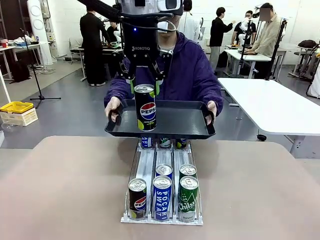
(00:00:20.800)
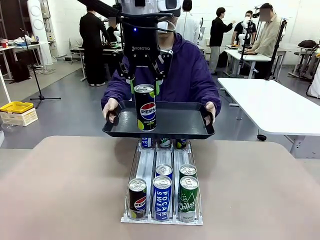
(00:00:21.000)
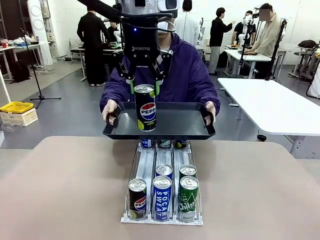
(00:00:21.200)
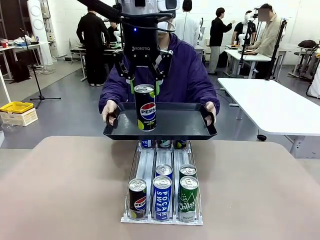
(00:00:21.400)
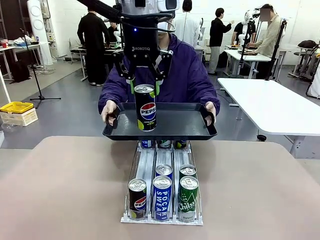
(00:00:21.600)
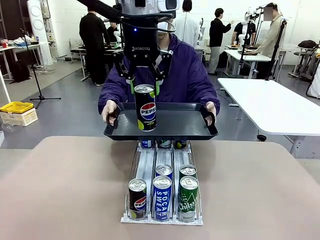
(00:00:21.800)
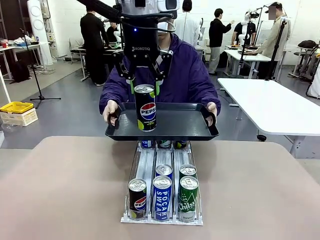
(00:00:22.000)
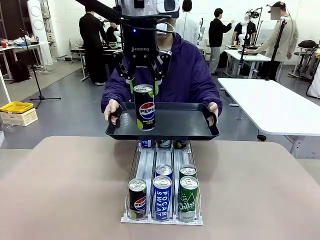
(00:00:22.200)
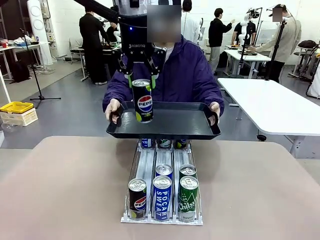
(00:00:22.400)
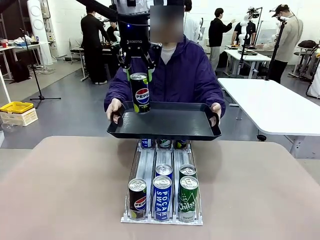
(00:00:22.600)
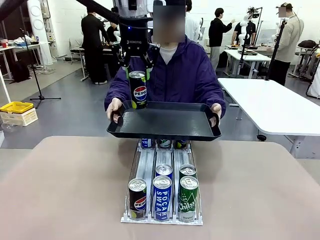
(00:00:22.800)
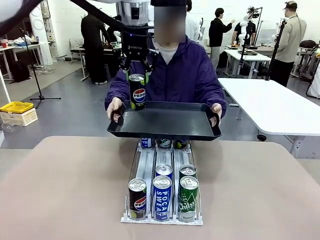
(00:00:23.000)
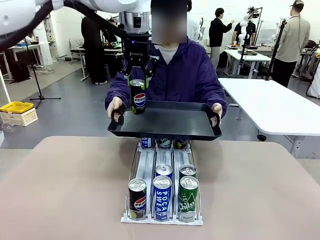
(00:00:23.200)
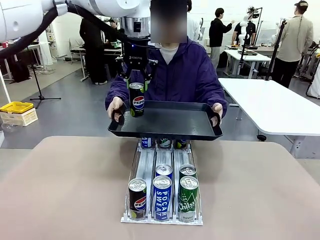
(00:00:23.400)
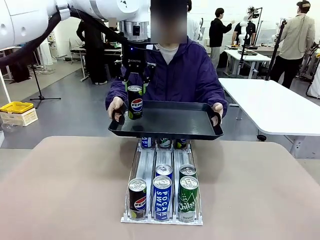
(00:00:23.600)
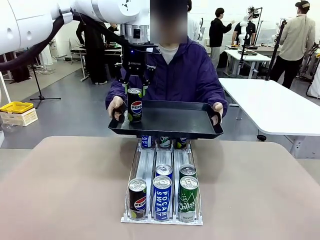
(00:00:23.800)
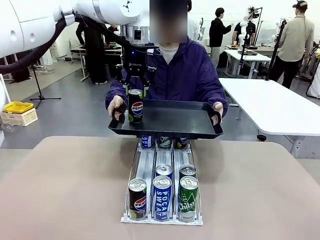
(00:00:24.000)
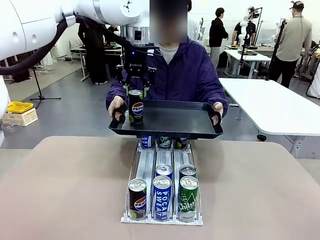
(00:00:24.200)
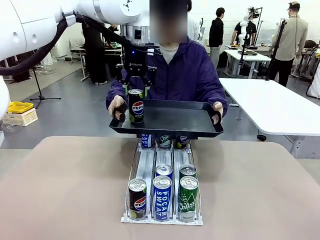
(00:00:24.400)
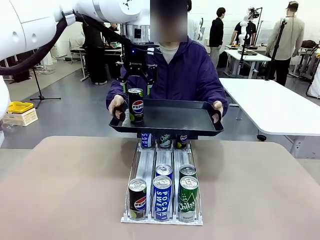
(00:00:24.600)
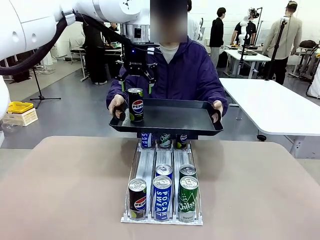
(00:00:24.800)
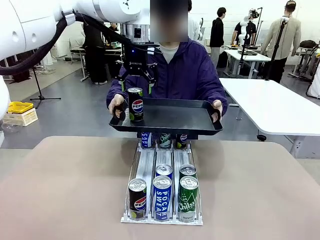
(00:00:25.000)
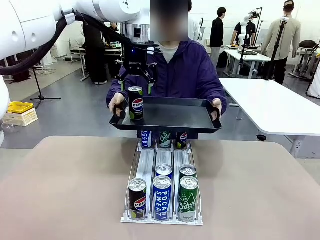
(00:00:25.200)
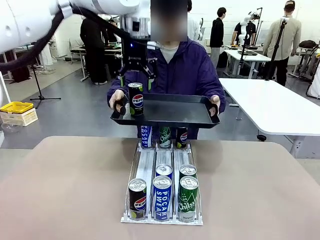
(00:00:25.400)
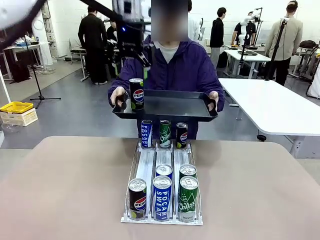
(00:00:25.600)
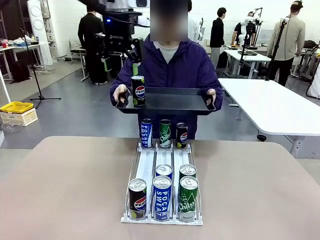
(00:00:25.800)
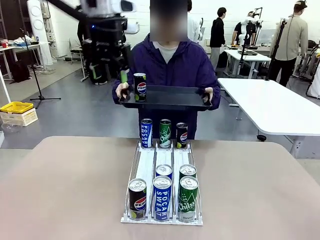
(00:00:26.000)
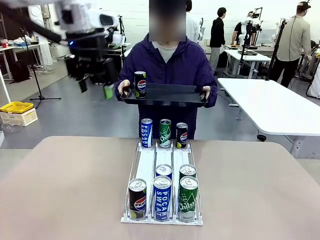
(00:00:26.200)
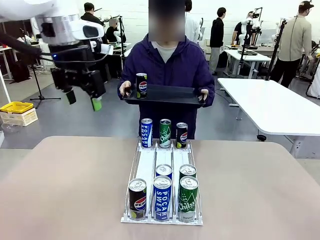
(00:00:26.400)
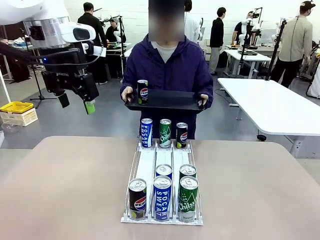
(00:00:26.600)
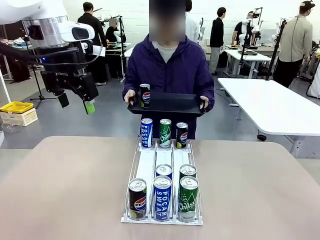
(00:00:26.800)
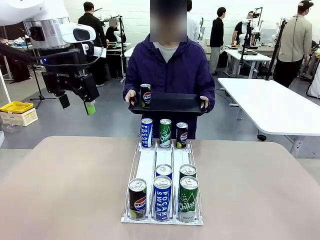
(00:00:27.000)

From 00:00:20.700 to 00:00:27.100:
Task: Retrieve and hand over the desired beverage to the person.
Robot: Place the picked can on the Handle tray extended by the person.

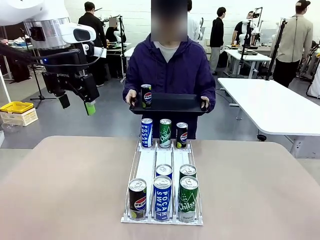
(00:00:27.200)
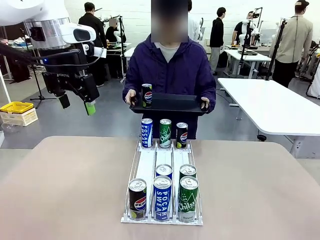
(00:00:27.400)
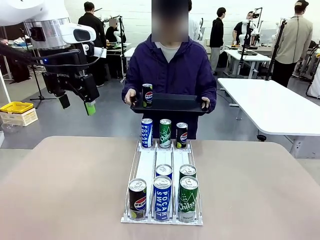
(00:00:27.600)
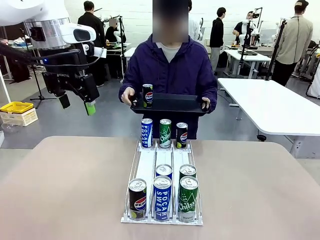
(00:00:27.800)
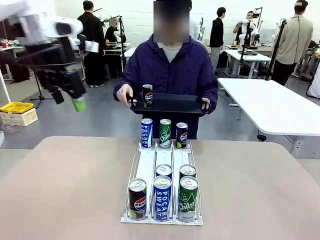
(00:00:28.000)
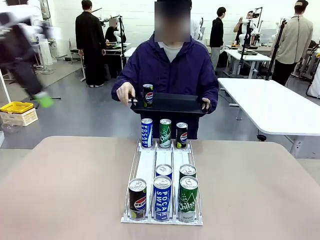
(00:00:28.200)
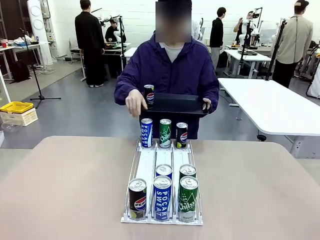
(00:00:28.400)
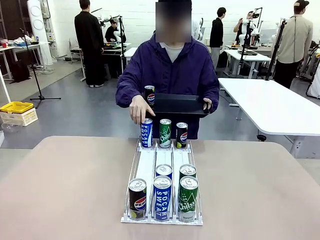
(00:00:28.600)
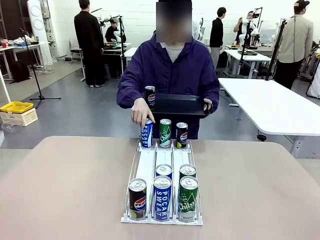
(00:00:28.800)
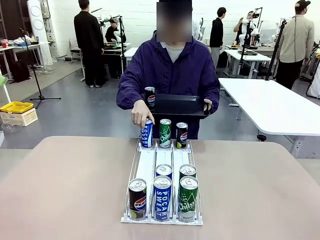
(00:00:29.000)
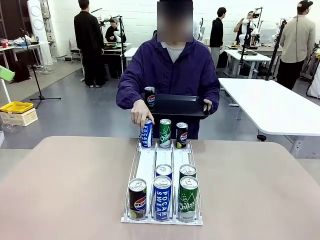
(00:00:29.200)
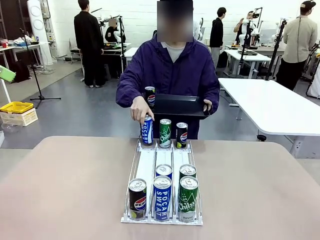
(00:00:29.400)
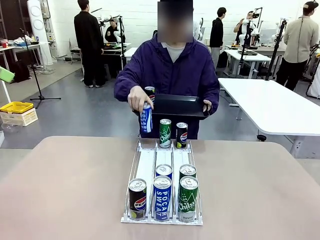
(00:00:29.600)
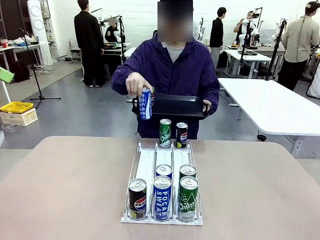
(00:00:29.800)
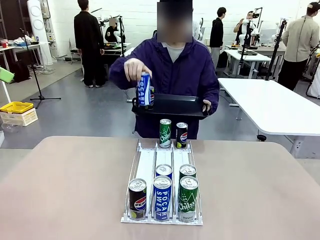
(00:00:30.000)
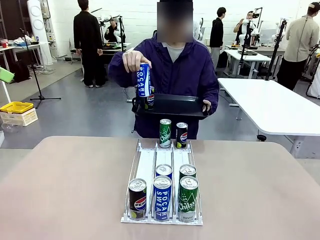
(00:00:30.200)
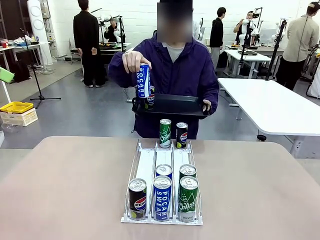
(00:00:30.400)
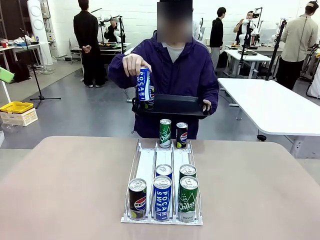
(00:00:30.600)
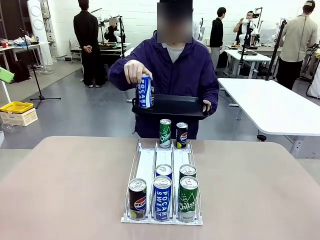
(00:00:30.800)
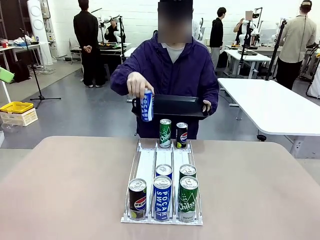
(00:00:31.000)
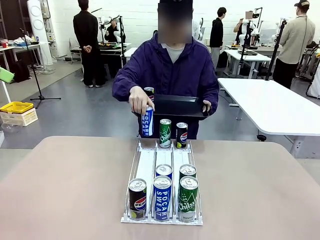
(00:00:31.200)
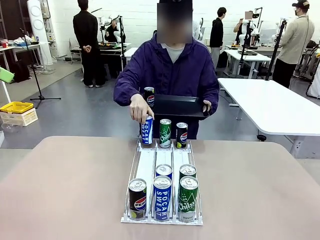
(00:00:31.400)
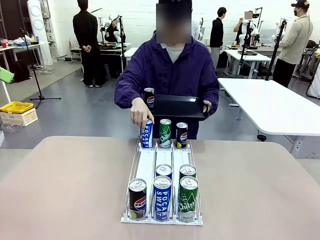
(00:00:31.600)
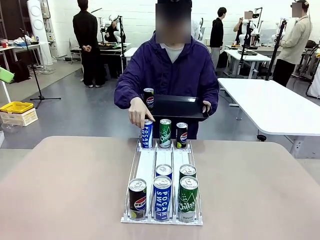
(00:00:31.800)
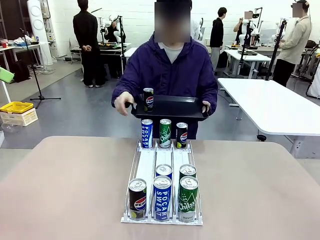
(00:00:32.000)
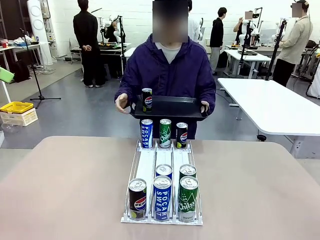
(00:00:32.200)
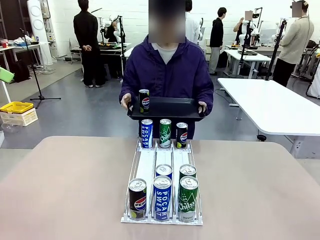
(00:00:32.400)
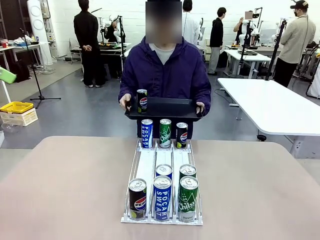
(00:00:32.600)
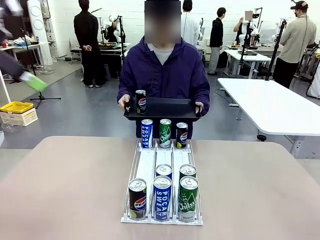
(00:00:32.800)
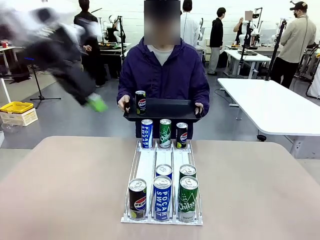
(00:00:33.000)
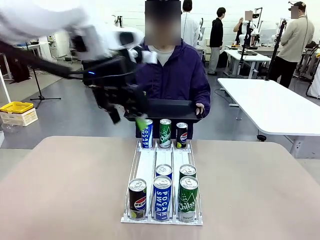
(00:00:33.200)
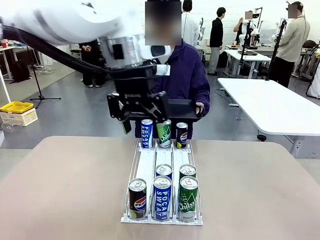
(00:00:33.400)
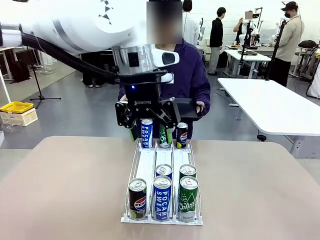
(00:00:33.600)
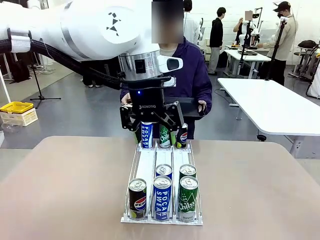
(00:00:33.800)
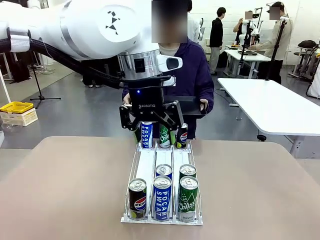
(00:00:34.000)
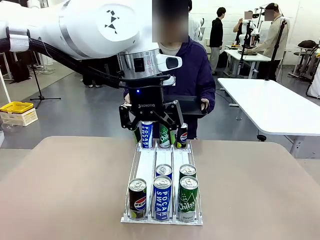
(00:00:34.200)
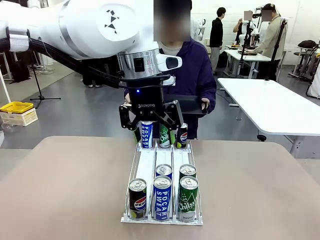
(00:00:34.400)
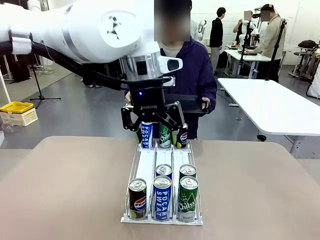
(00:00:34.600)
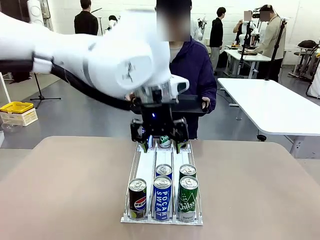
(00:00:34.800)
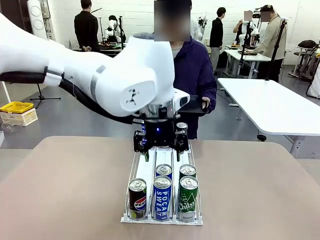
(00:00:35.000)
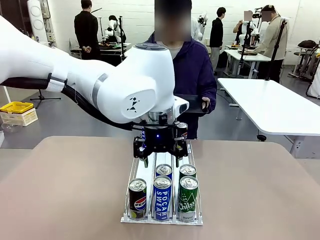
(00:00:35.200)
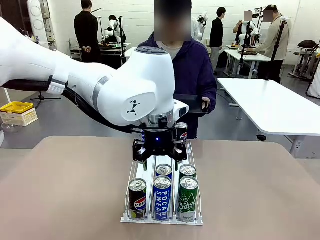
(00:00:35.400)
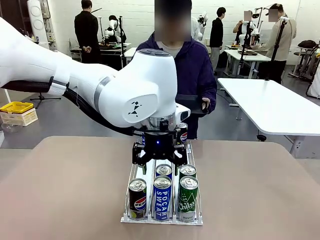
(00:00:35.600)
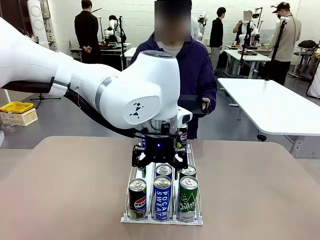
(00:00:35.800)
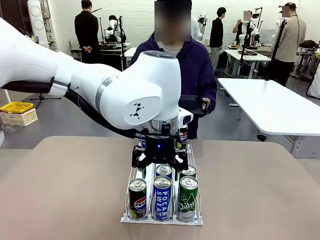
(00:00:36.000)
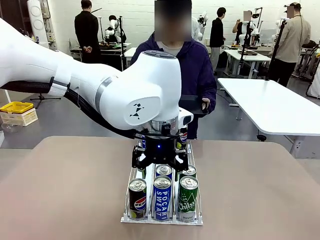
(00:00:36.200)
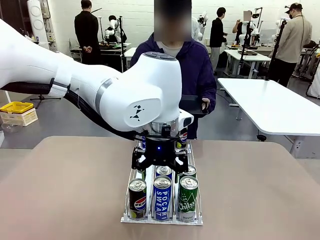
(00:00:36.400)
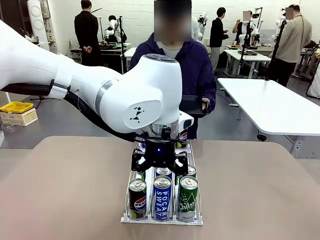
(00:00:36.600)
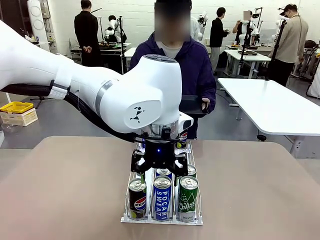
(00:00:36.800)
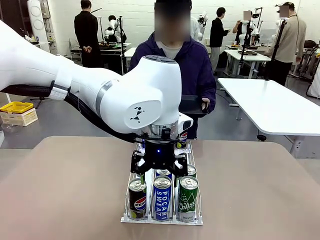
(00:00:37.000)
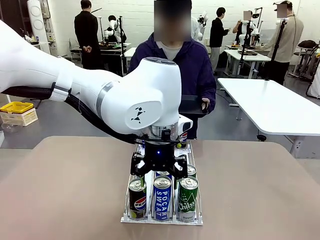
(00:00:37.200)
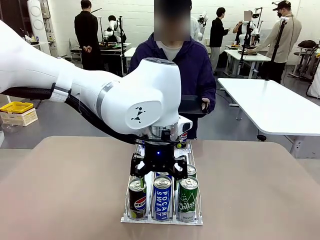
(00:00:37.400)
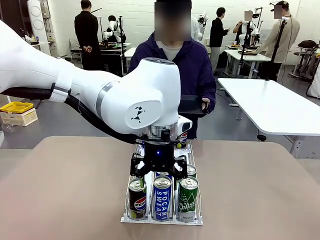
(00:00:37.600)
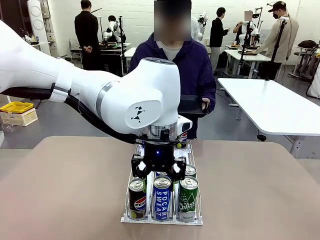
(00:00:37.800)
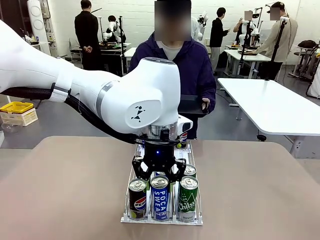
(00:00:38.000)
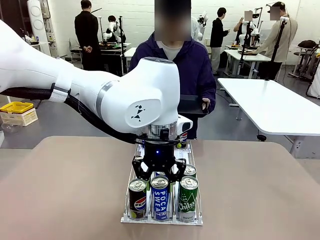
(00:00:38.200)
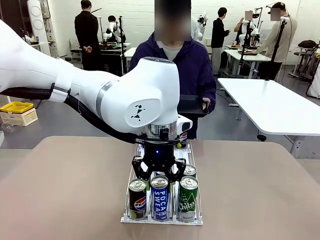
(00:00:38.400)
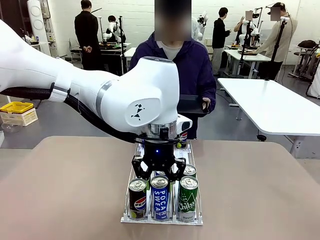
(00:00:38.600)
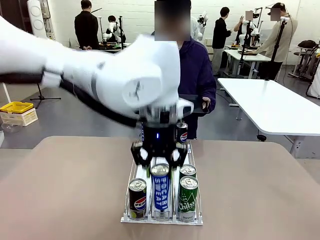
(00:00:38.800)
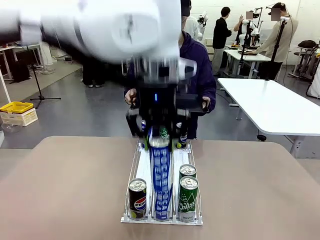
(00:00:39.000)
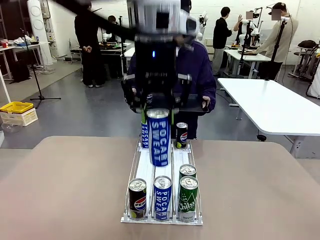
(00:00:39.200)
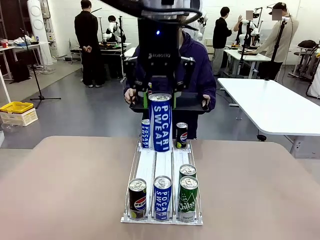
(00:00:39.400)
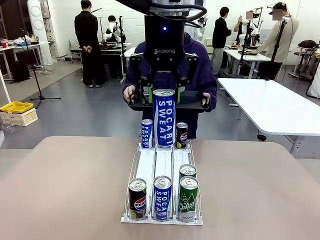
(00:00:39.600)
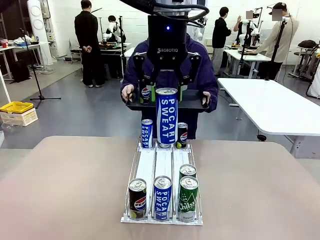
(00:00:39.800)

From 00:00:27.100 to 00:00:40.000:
Robot: Pick up another can of the same type that the person held from the Automatic Can Dispenser.
Person: Pull the tray back, then pick up another can from the bottom area of the table and puts it back in its original place. Push the tray toward the robot again.
